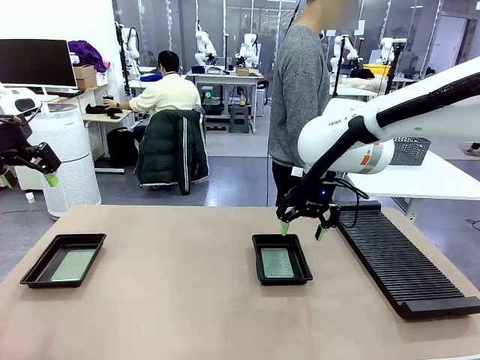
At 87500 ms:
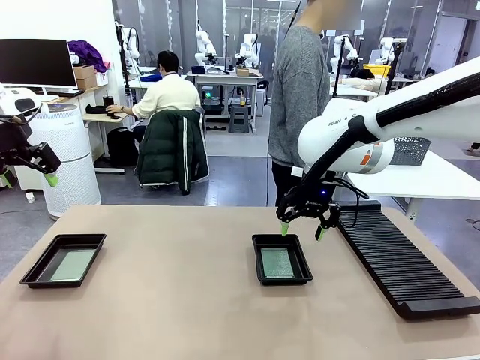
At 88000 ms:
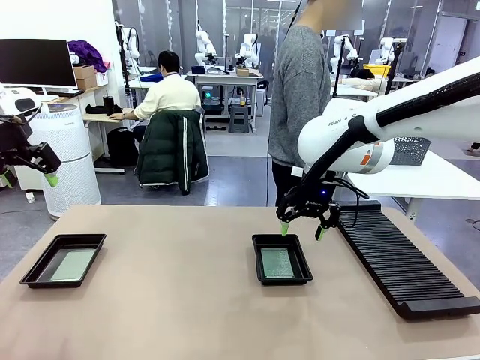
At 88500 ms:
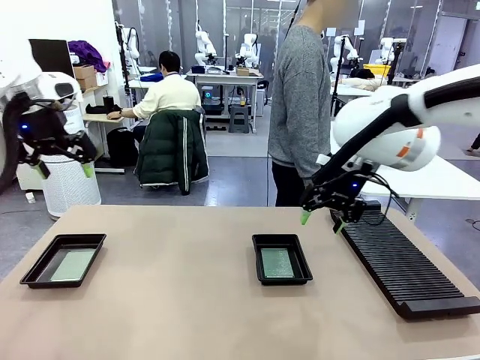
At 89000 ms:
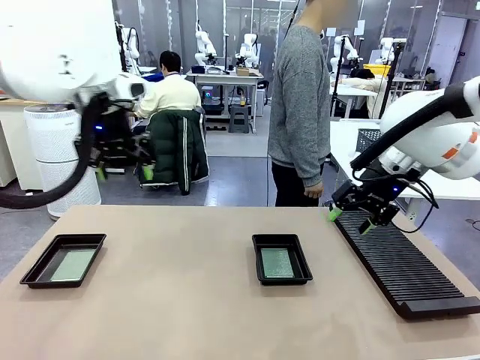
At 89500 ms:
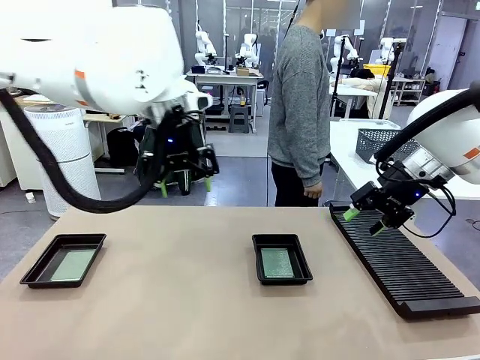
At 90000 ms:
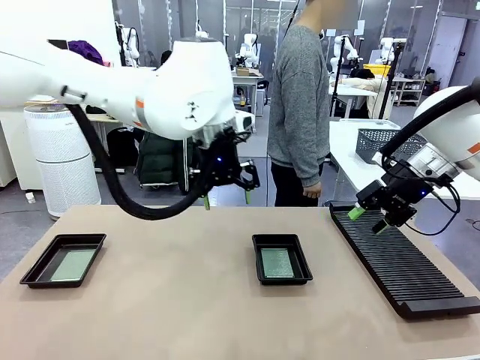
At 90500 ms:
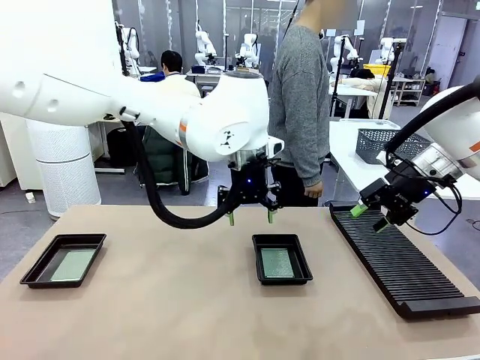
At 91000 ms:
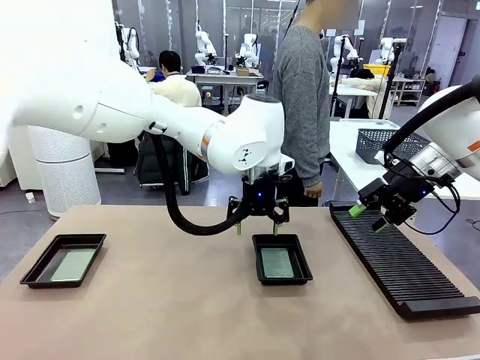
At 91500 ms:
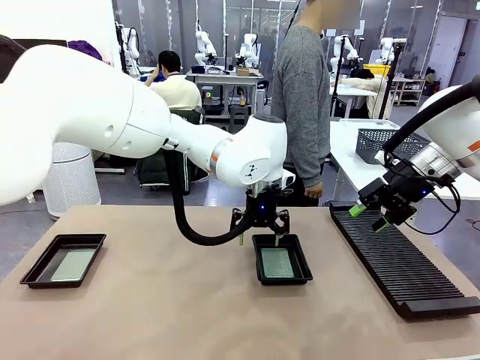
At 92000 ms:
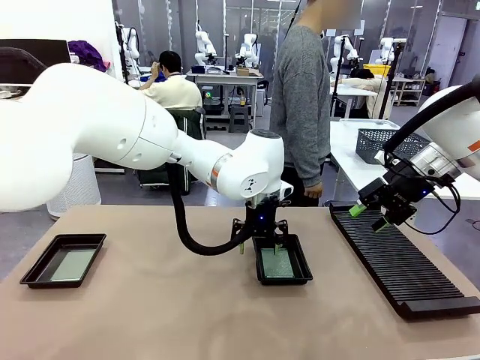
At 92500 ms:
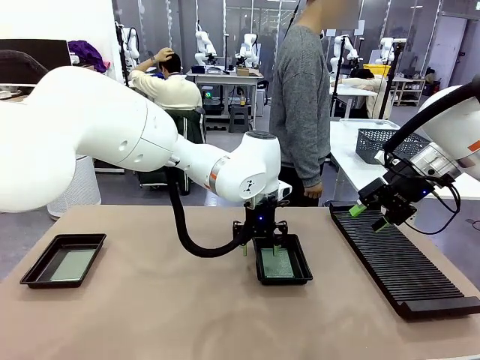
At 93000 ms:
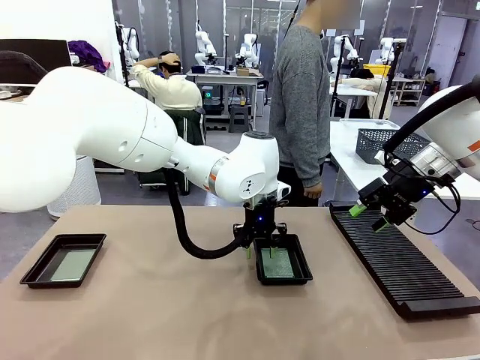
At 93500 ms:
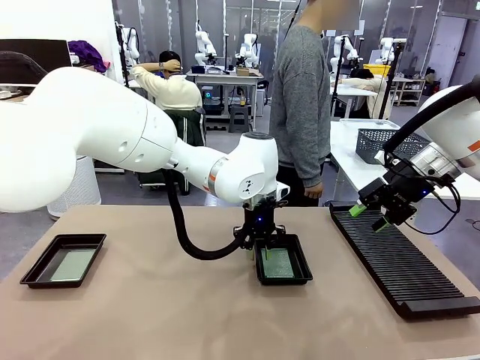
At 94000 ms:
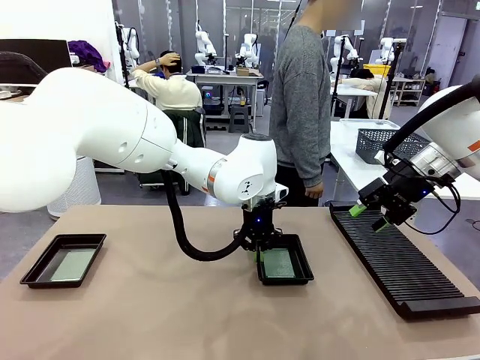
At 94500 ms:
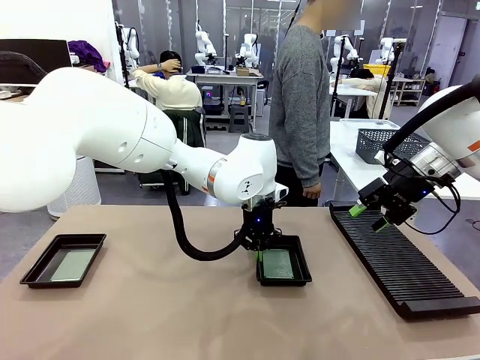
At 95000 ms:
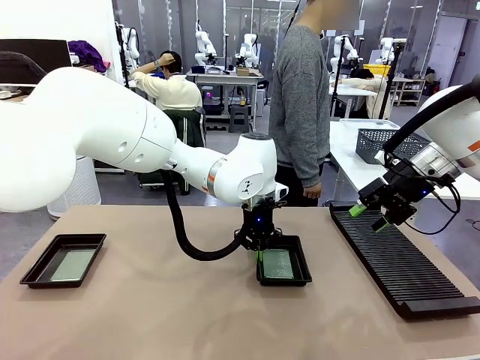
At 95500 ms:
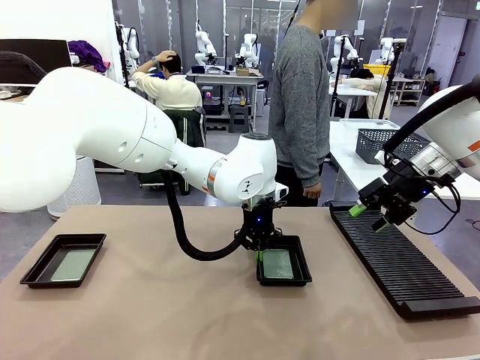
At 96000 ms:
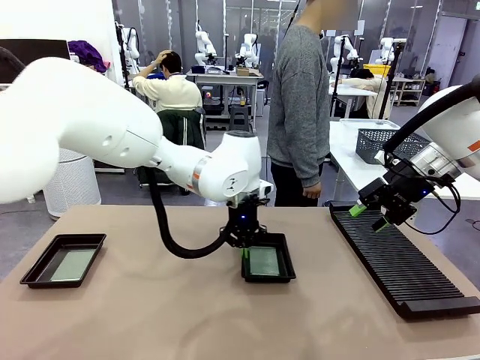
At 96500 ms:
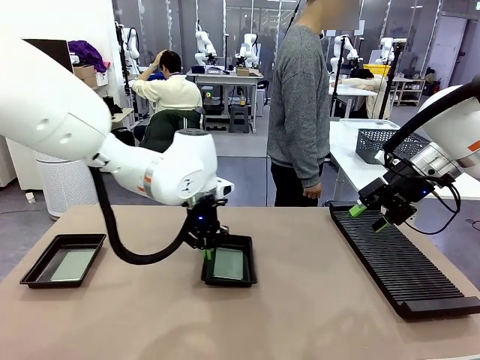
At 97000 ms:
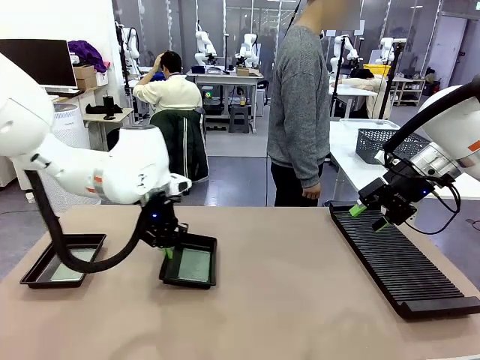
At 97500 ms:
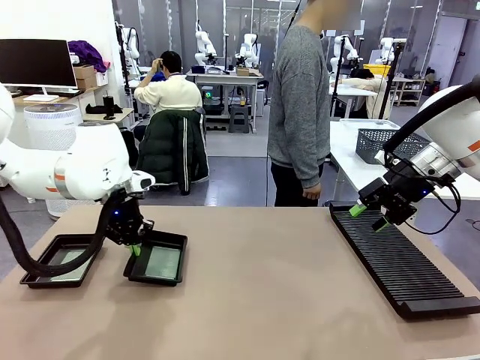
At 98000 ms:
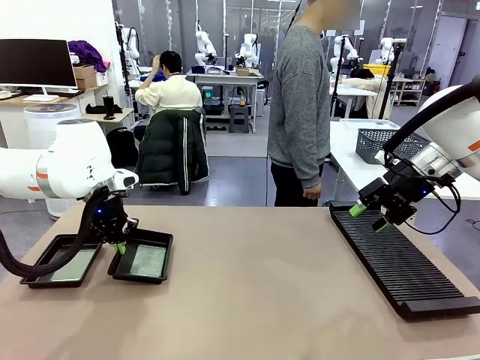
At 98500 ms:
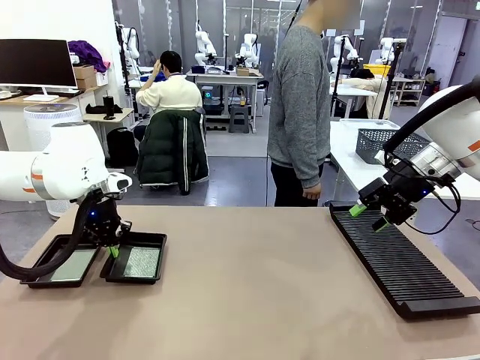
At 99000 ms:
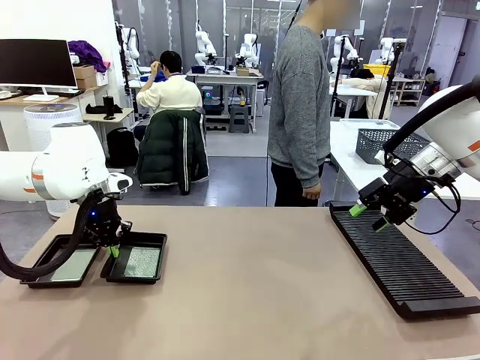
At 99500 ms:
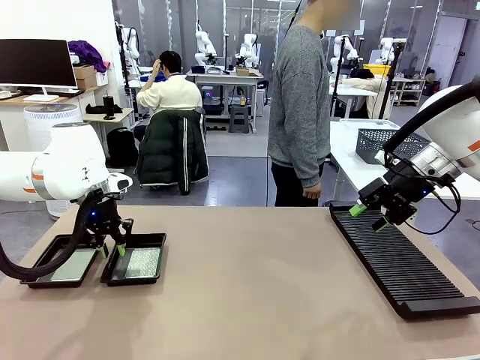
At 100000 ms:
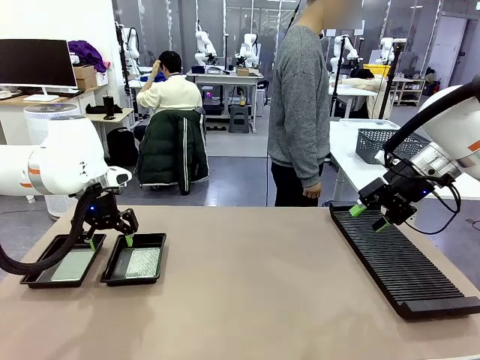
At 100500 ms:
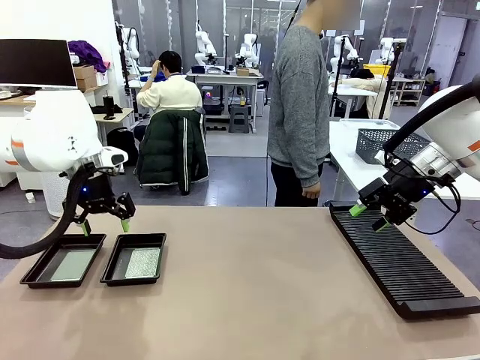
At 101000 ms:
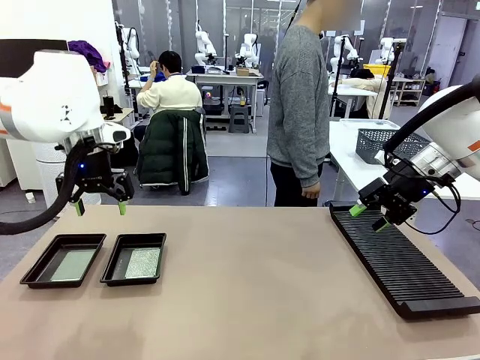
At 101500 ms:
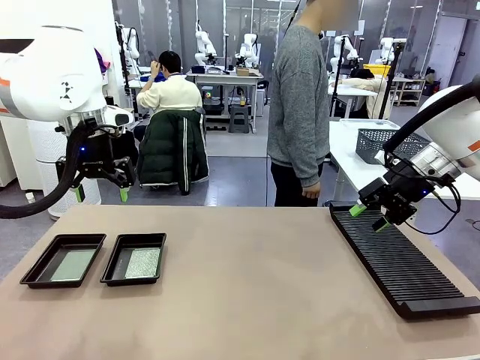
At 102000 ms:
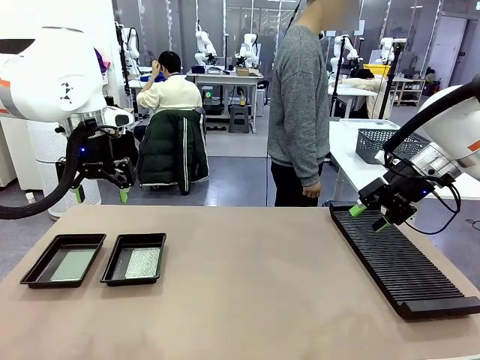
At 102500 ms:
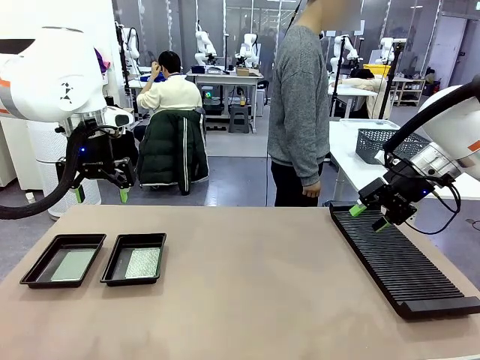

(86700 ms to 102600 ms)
Task: Inspect and transfer BCBs to ESD trays.
Robot: Pick up the ESD tray and place it on the left side of the table.

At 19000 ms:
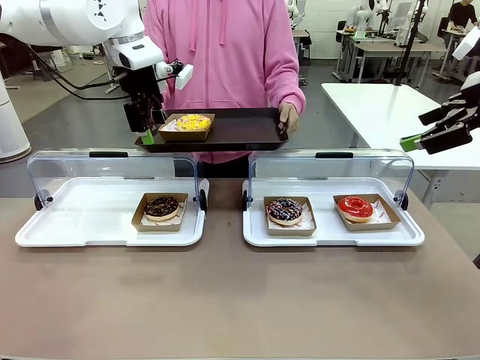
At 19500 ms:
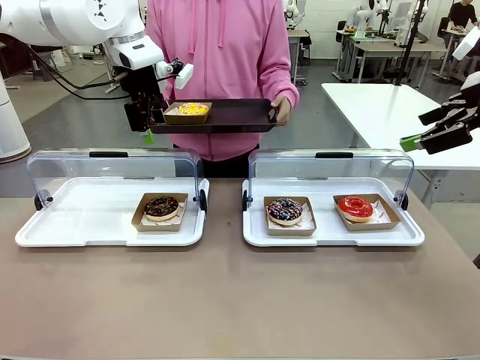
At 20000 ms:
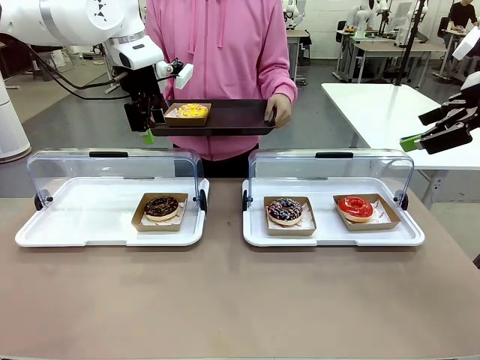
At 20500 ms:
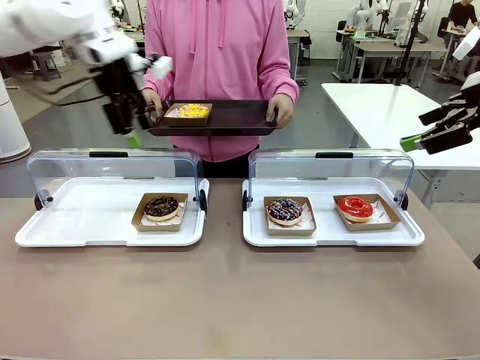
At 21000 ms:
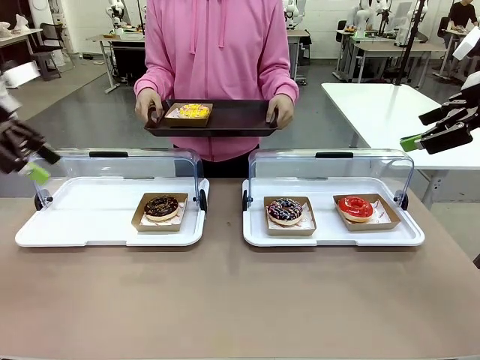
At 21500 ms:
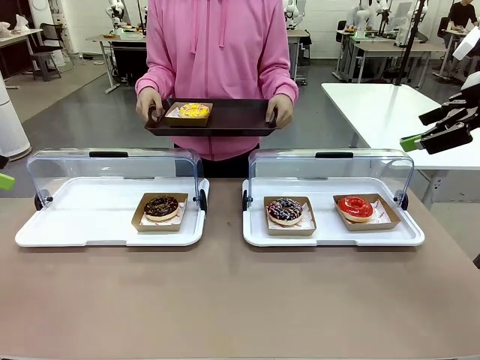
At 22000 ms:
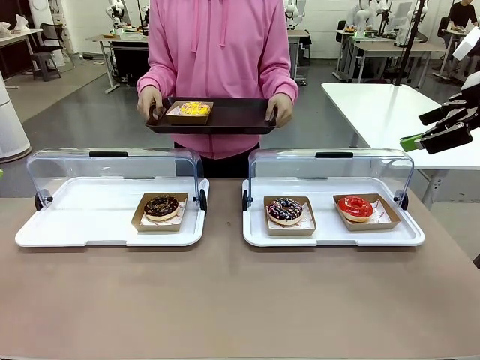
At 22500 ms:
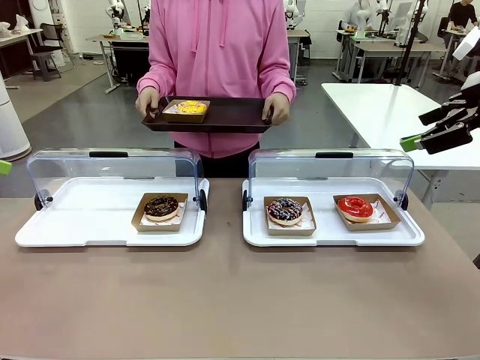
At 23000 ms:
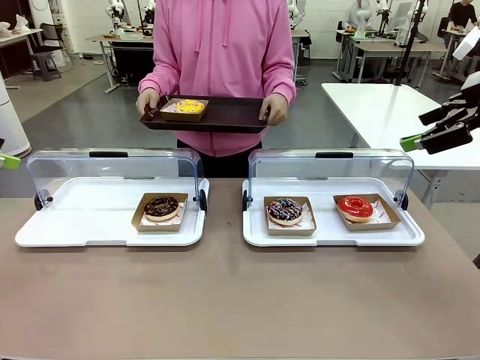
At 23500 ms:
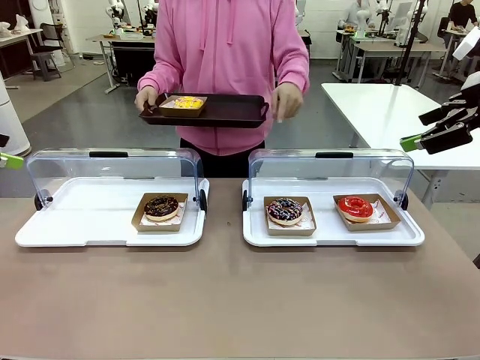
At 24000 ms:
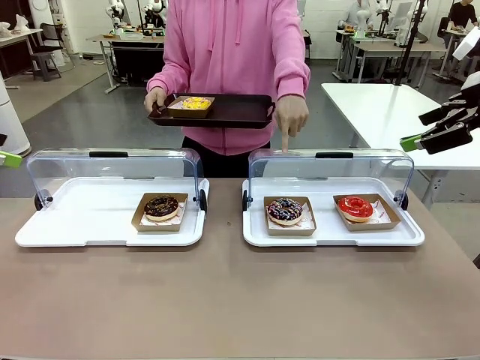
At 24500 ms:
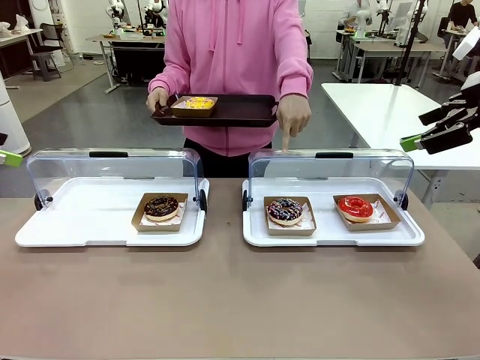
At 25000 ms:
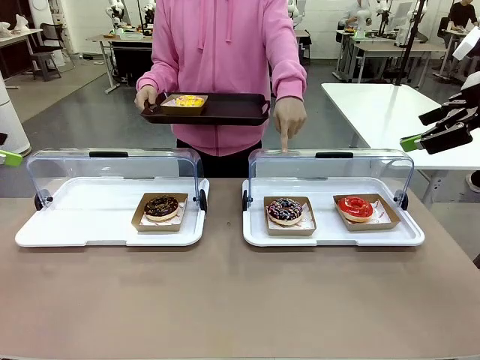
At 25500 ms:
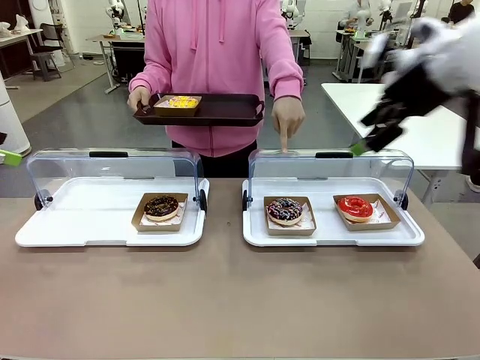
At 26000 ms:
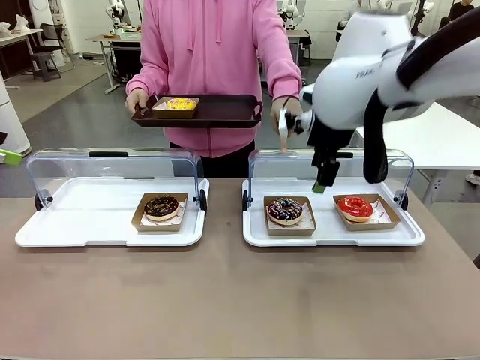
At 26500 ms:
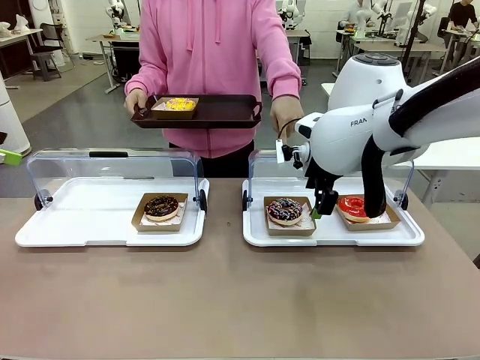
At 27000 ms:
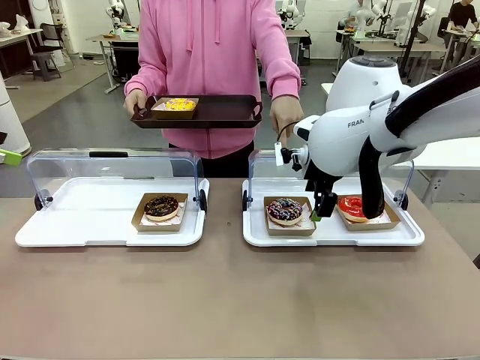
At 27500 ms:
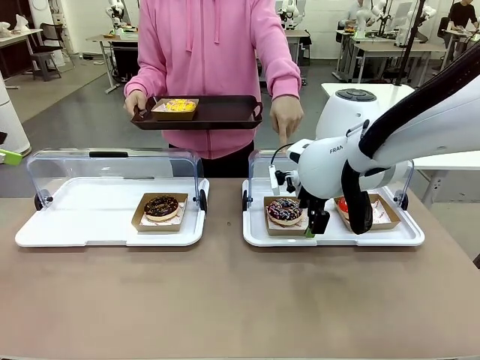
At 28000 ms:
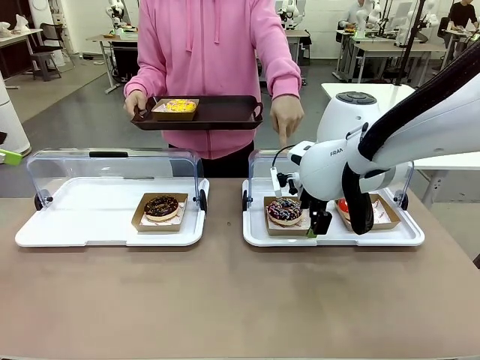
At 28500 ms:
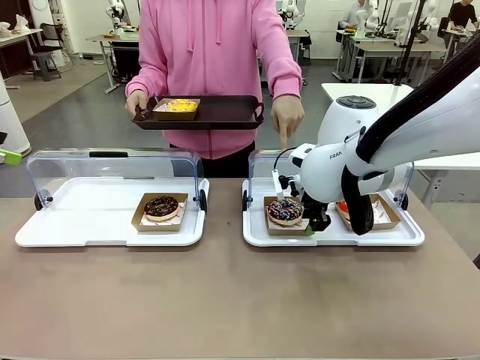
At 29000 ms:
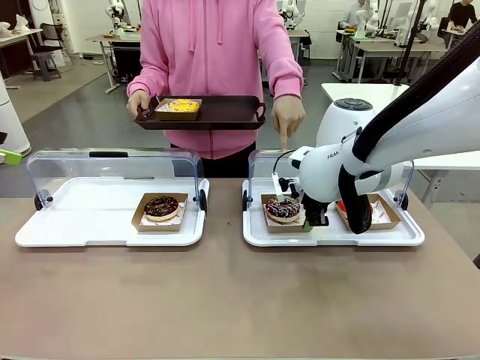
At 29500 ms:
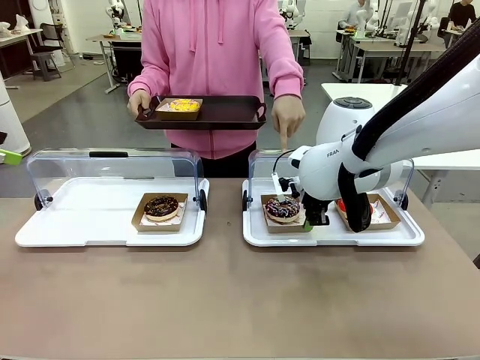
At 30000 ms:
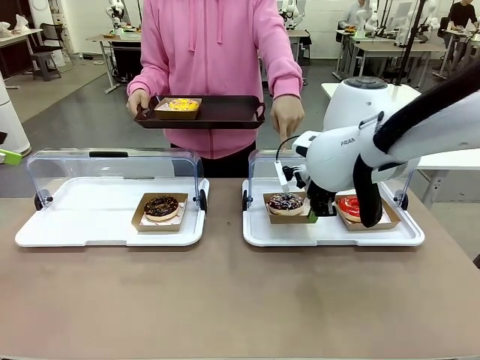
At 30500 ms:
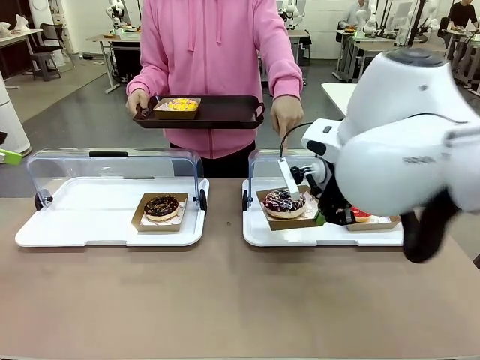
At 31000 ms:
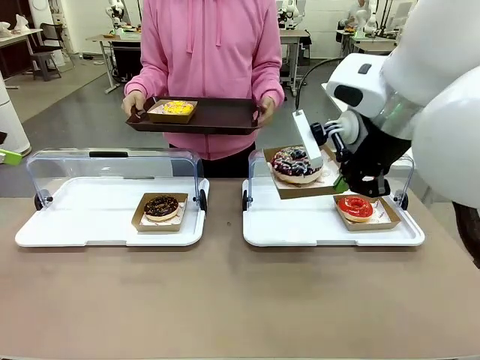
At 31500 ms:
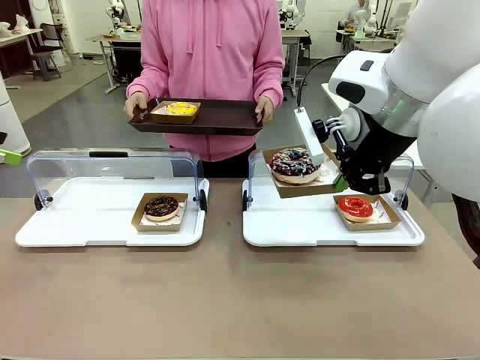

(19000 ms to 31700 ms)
Task: Provide the desired donut to the person.
Robot: Pick up and lift the Paper togo box containing the Donut pointed at by the person.
Person: Point to one donut. Lift the tray onto the Roll-Top Bakery Case.
